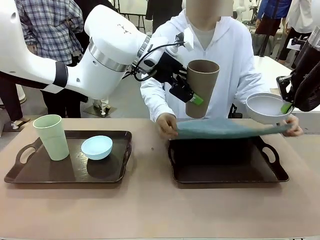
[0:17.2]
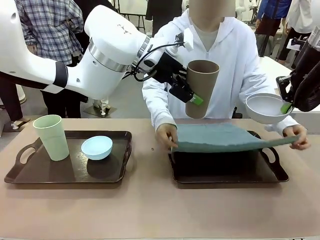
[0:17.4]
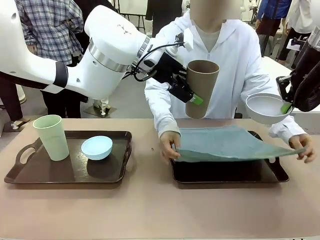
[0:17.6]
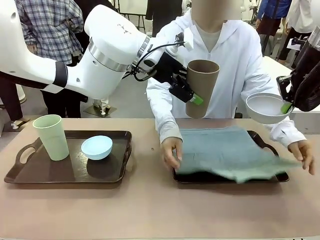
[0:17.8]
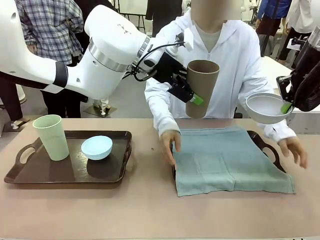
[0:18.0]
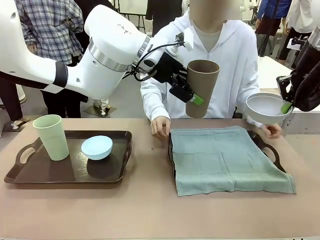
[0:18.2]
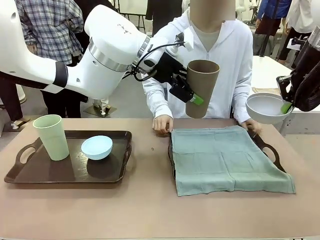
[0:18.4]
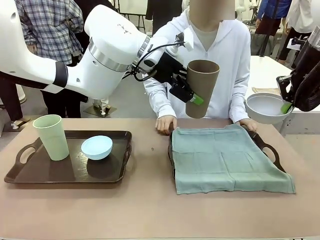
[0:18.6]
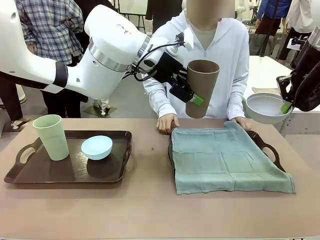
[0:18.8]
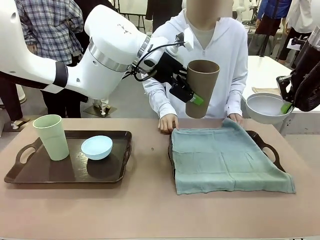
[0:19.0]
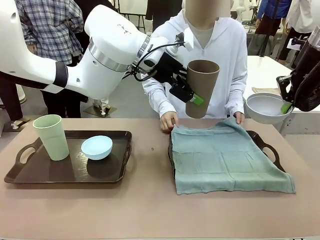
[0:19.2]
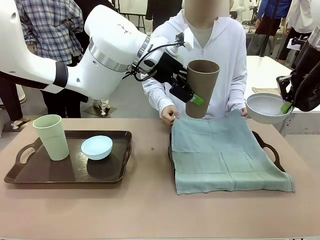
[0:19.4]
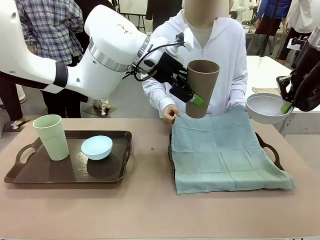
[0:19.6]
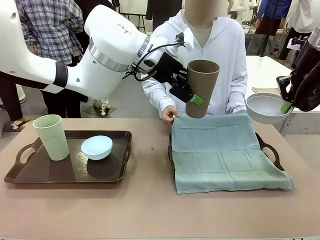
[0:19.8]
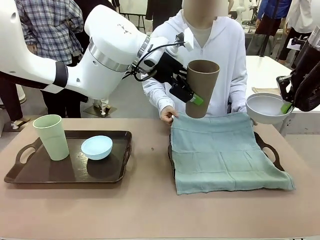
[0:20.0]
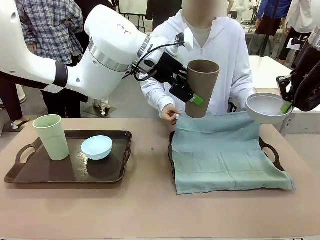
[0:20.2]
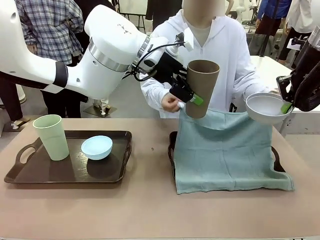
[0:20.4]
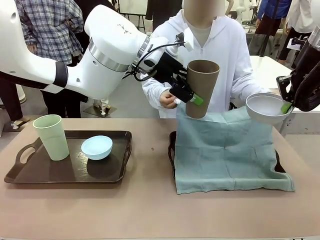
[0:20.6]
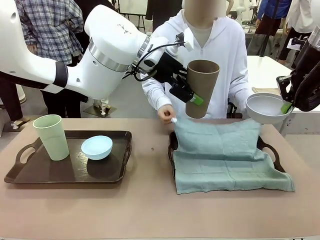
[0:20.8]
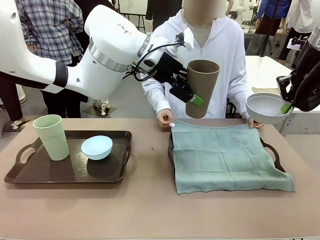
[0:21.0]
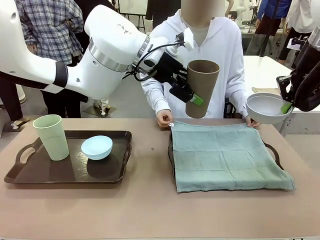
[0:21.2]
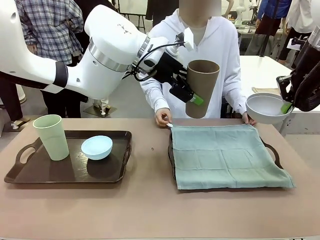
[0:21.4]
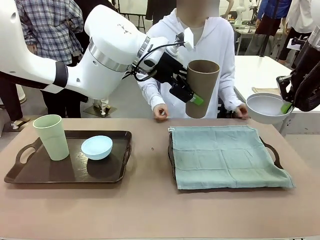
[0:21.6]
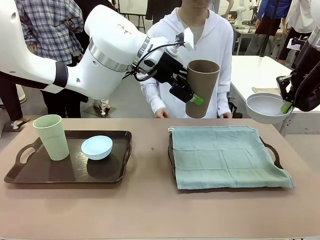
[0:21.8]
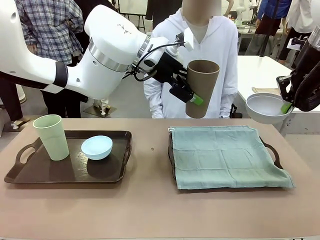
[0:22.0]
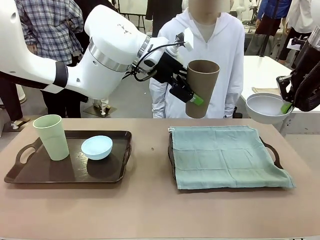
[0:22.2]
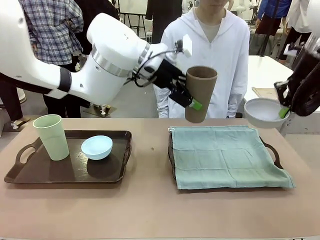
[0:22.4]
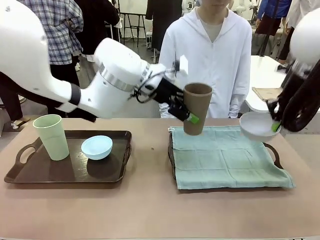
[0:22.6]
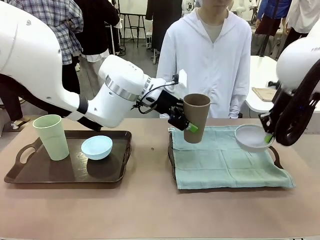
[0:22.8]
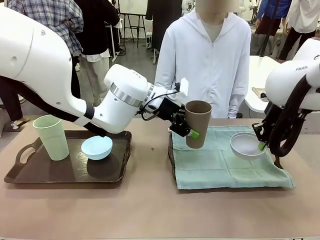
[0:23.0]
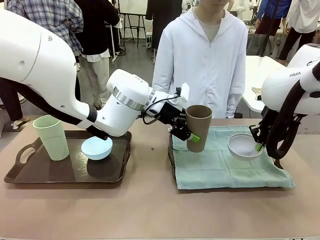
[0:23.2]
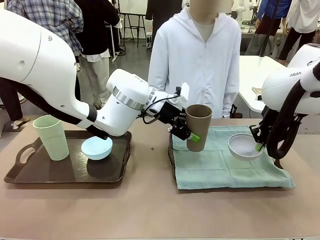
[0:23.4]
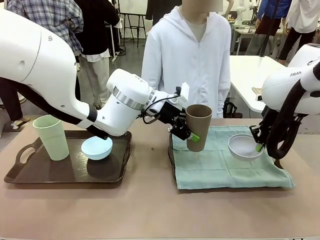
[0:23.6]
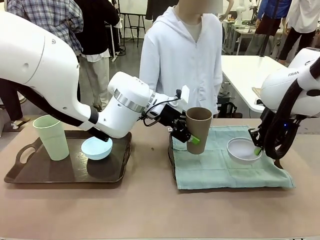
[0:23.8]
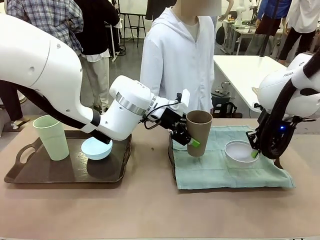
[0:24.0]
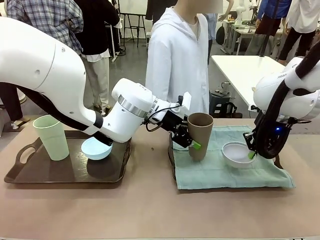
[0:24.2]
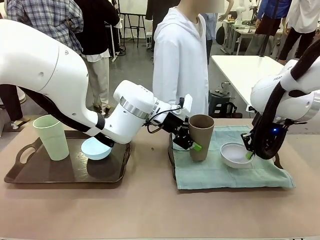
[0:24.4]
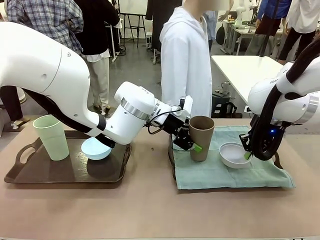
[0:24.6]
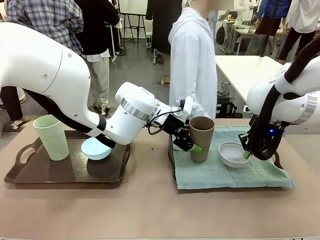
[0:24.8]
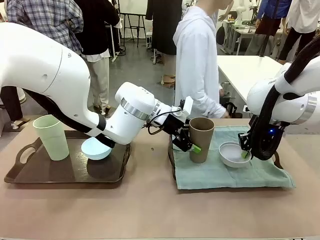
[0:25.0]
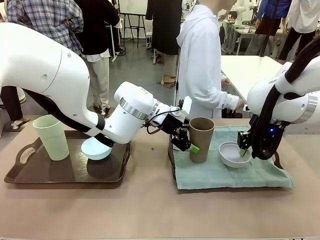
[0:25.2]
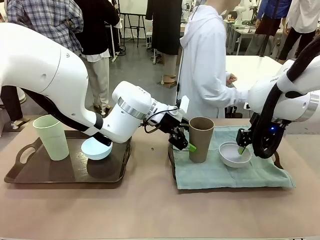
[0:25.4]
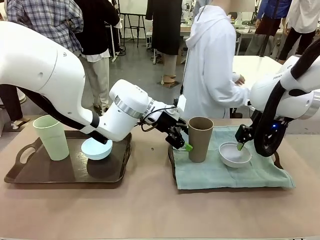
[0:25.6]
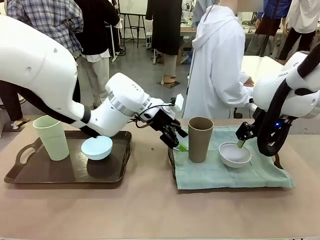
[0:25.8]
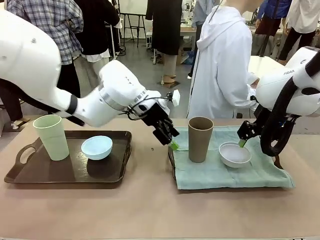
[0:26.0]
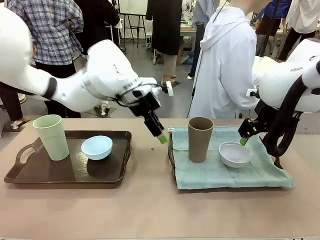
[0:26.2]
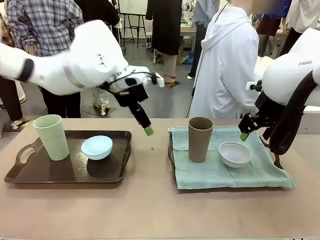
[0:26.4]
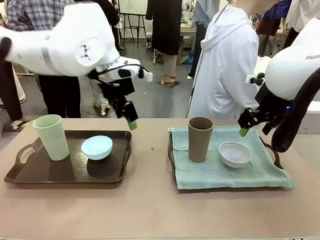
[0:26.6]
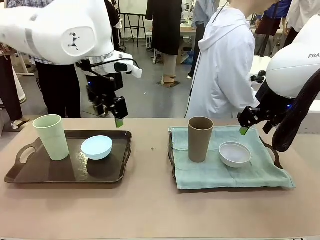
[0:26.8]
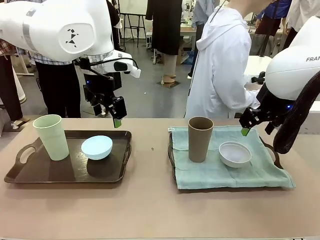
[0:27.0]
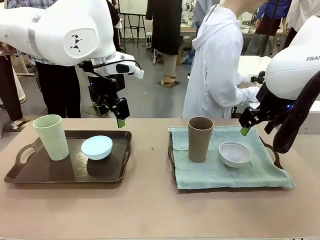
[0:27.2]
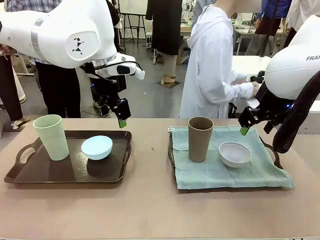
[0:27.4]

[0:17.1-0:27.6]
Robot: Place the Picnic Bowl and Reusable plastic cup back onto the Handle tray in front of the human's position.
